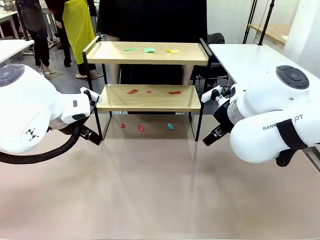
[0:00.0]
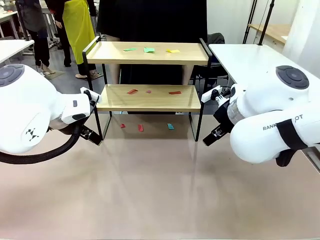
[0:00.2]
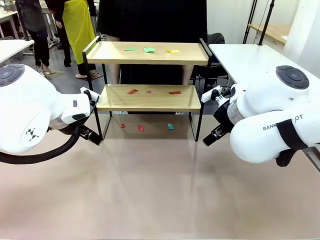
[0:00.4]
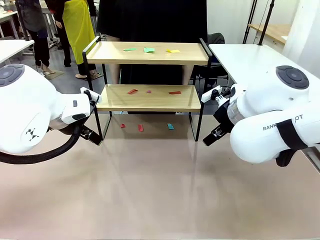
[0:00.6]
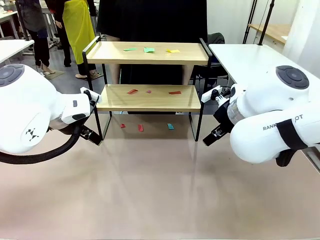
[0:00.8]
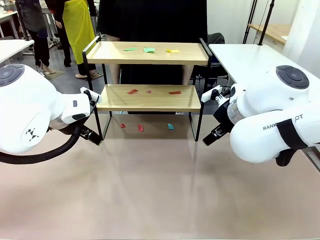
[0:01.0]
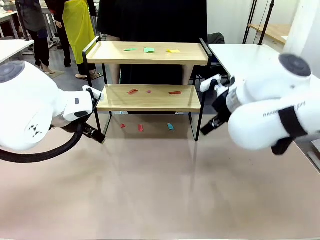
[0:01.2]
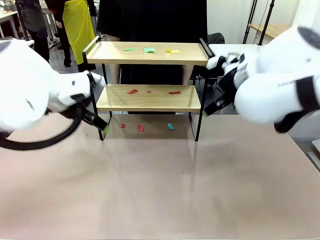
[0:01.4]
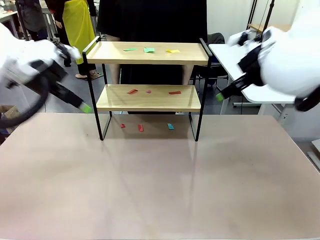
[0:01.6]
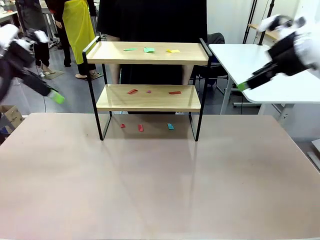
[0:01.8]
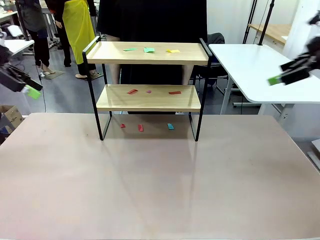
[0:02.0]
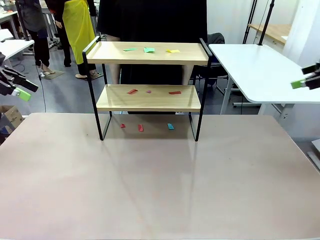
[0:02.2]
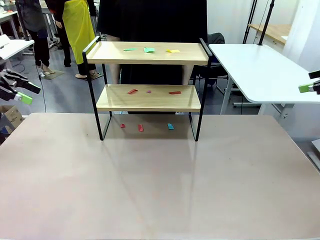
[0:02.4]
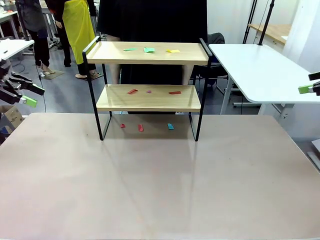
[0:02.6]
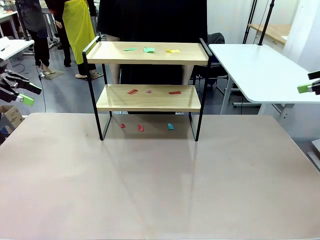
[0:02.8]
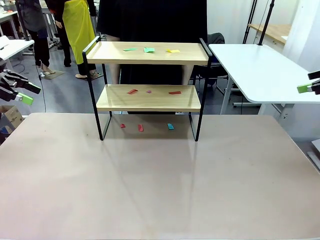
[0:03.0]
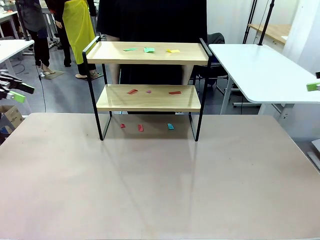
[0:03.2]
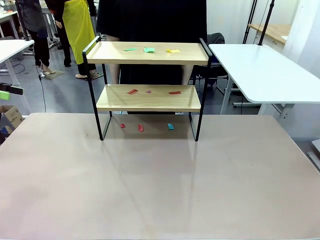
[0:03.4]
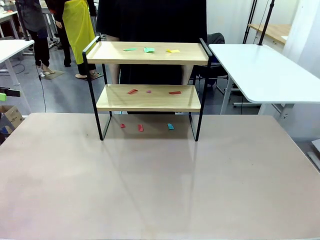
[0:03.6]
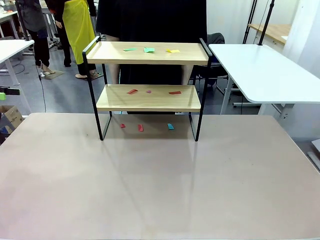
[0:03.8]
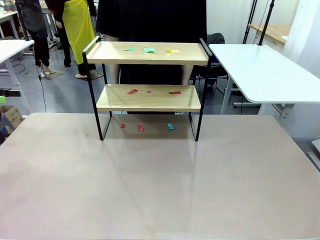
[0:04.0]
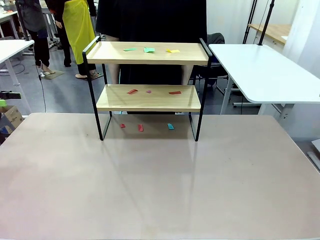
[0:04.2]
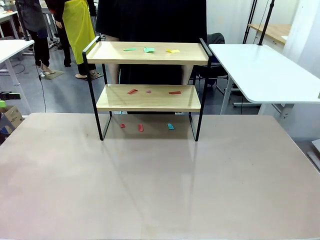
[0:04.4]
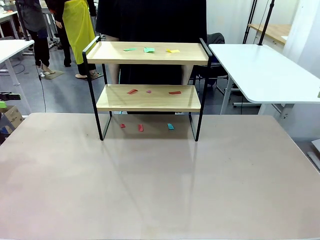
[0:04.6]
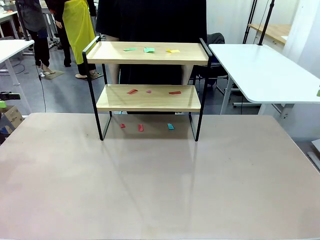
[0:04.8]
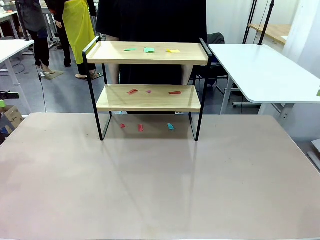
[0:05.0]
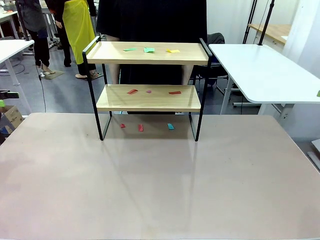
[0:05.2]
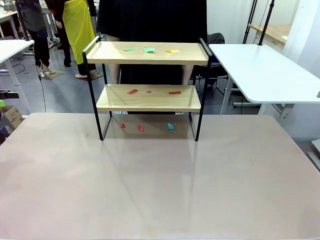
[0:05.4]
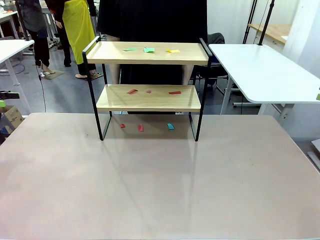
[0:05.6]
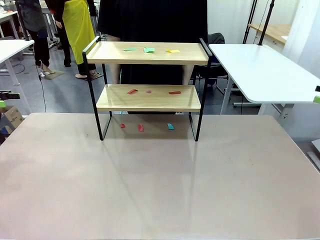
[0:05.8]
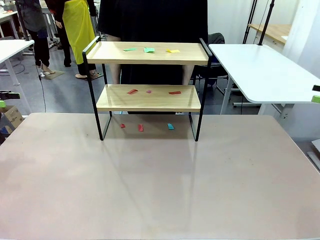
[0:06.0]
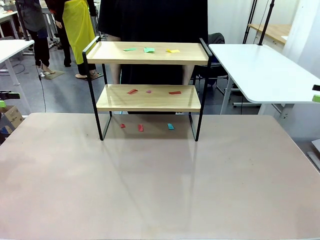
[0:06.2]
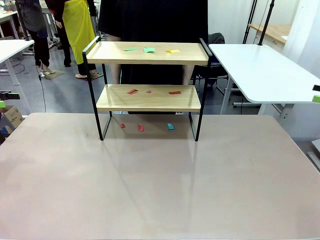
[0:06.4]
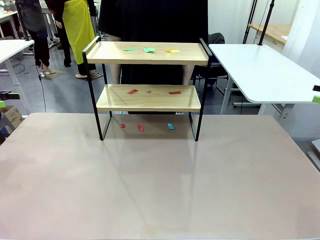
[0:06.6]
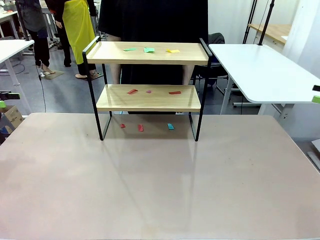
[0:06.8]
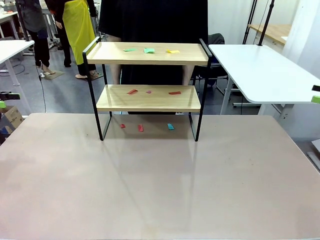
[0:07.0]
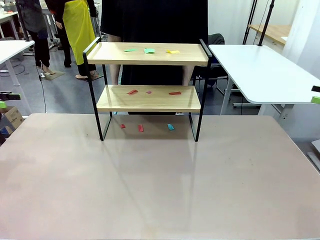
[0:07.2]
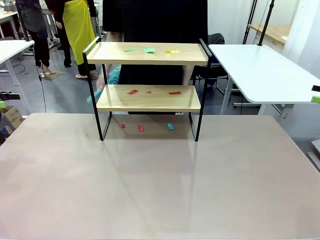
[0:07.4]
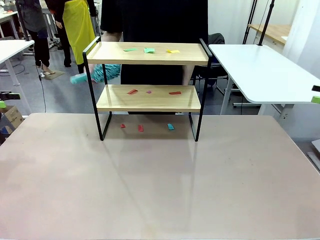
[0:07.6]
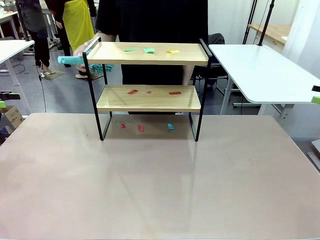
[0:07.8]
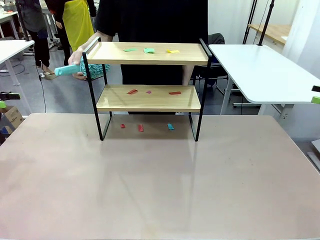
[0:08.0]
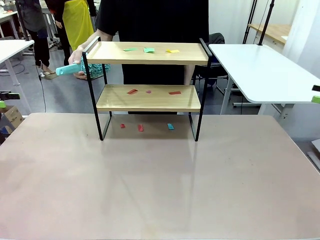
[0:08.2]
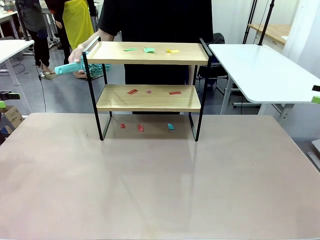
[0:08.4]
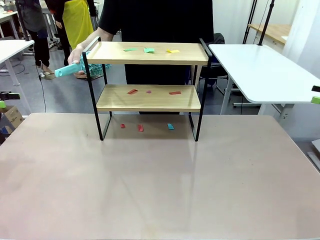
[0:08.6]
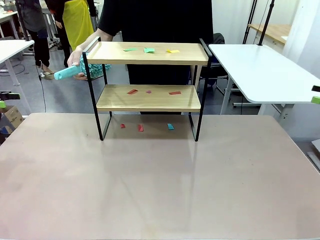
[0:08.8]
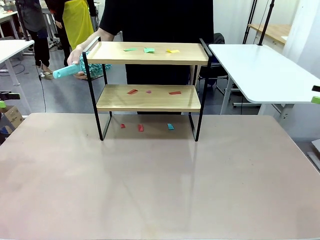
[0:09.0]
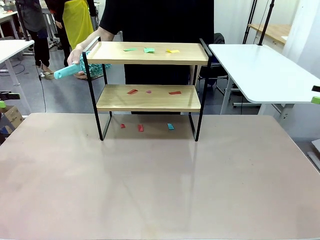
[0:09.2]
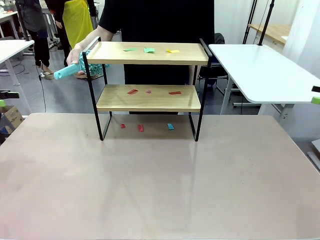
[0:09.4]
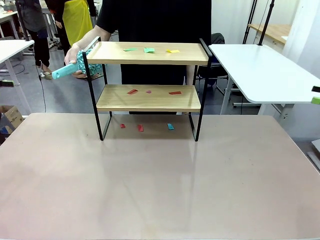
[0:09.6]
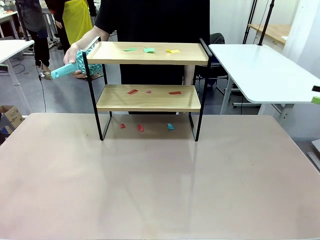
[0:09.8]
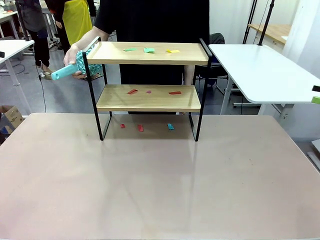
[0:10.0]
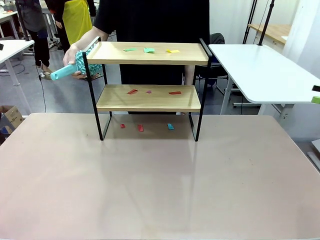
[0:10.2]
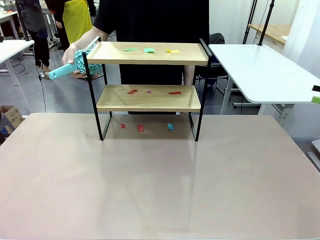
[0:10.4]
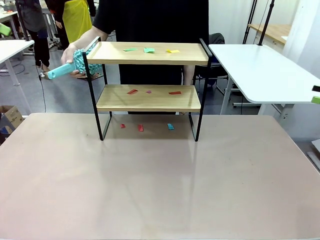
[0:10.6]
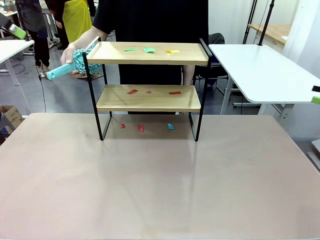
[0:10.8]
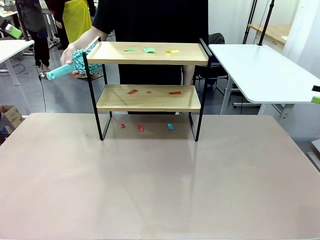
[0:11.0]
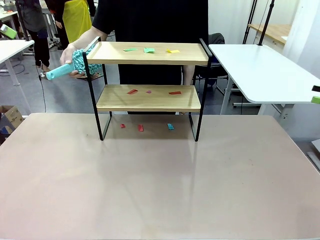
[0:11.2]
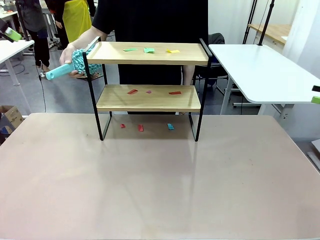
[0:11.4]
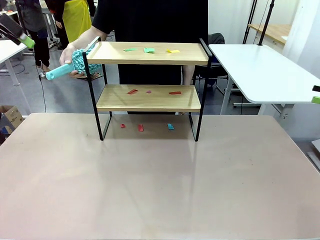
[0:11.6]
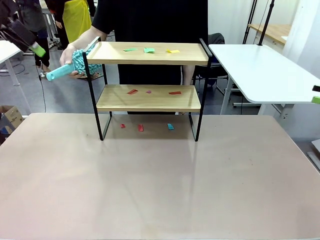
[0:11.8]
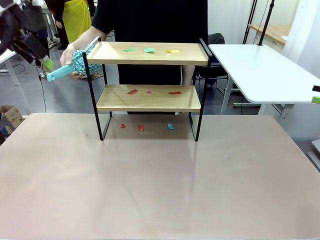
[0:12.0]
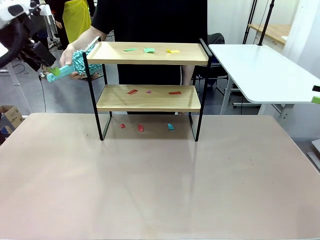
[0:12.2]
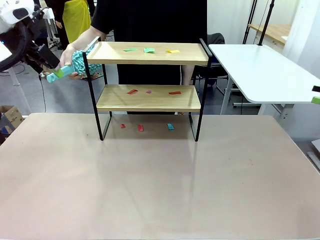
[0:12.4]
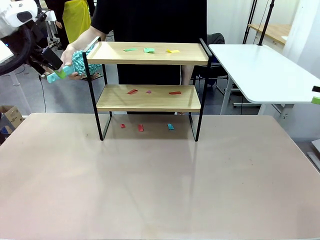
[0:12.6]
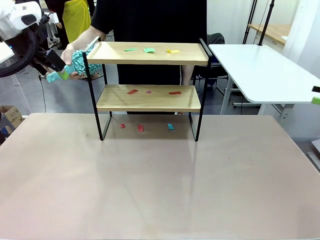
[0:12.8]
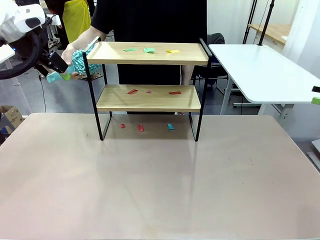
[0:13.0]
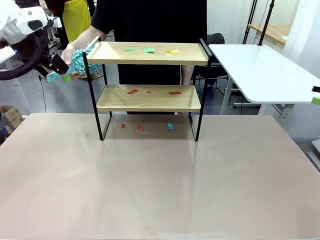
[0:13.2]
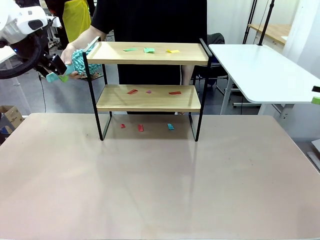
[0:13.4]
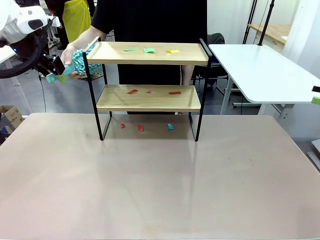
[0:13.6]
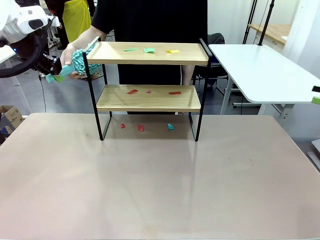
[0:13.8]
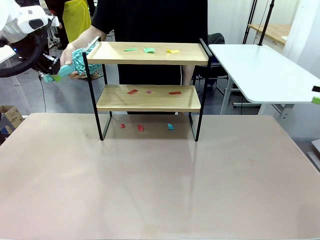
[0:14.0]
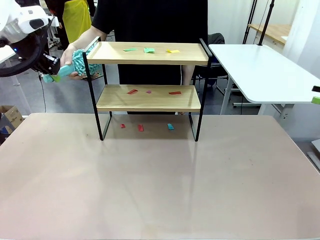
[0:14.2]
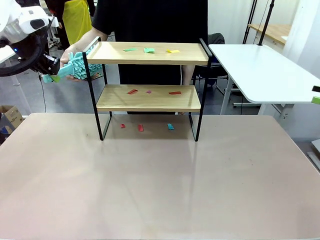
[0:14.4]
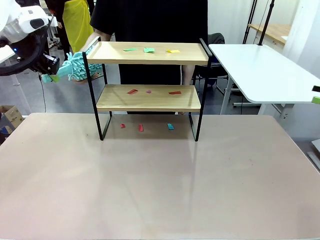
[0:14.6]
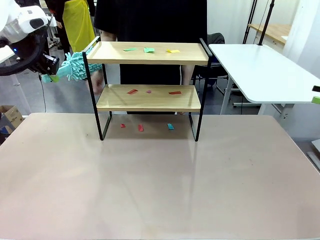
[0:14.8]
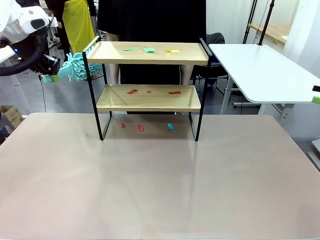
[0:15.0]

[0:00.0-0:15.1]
Task: Clean the shelf.
Robot: Pick up the Duster handed by the human.
Person: Hand the Duster to the robot.
